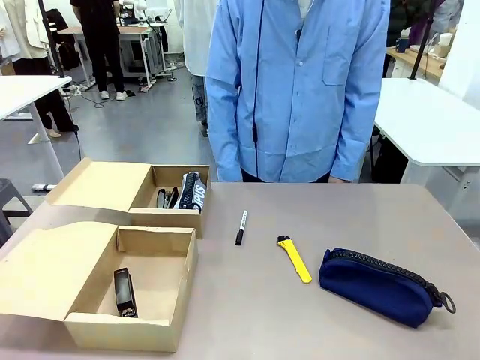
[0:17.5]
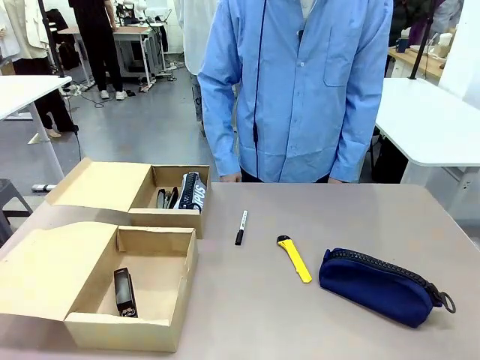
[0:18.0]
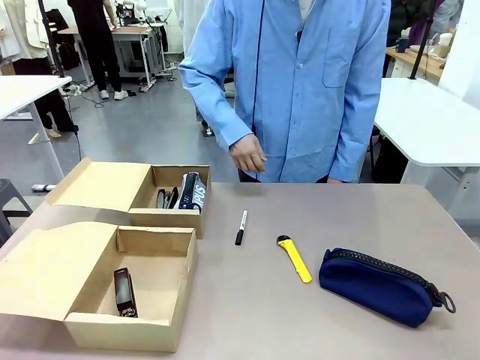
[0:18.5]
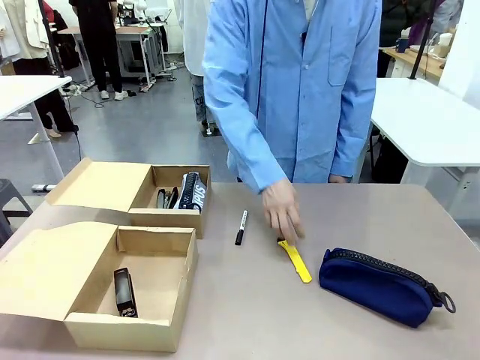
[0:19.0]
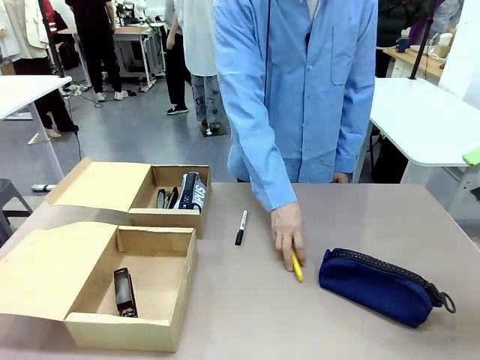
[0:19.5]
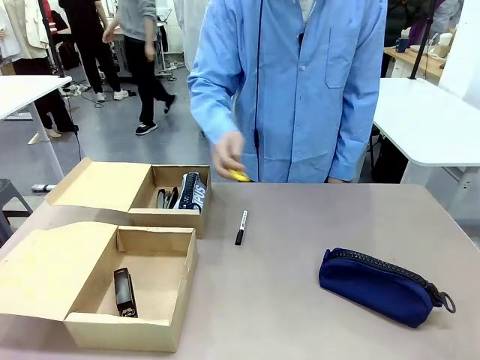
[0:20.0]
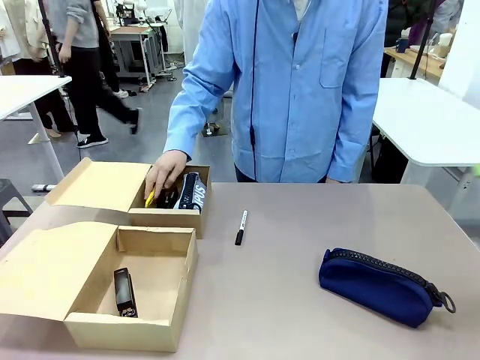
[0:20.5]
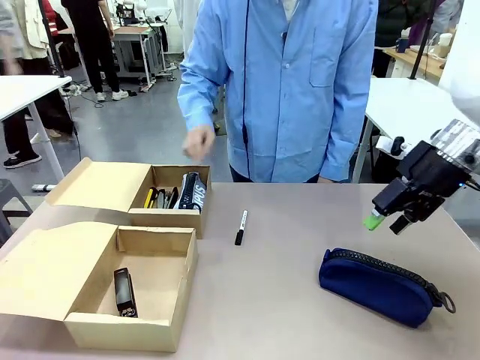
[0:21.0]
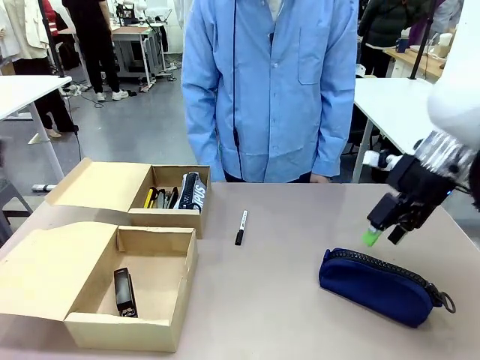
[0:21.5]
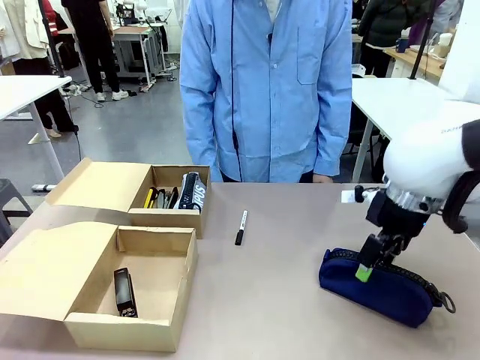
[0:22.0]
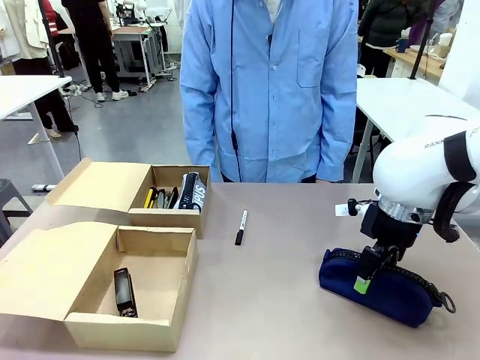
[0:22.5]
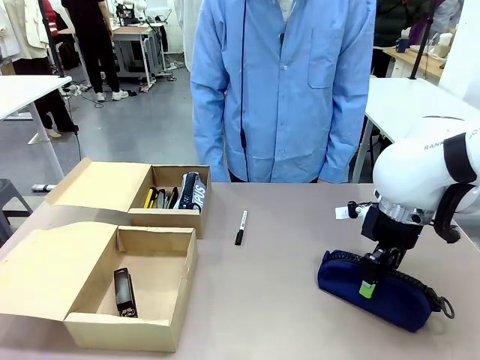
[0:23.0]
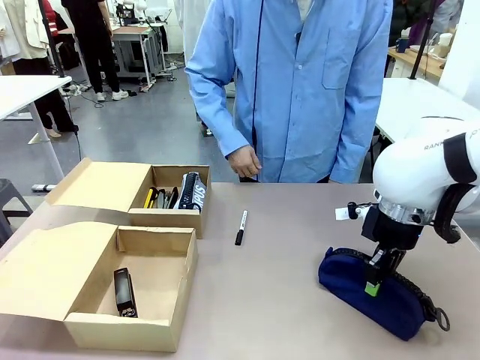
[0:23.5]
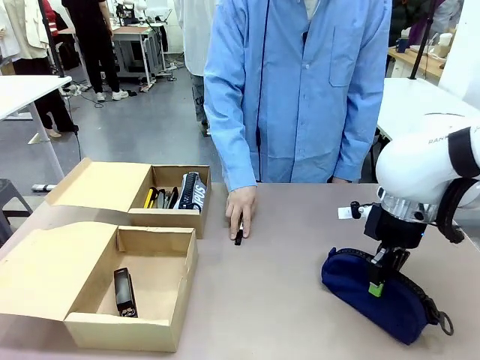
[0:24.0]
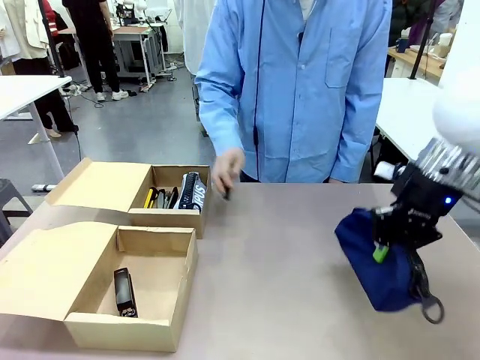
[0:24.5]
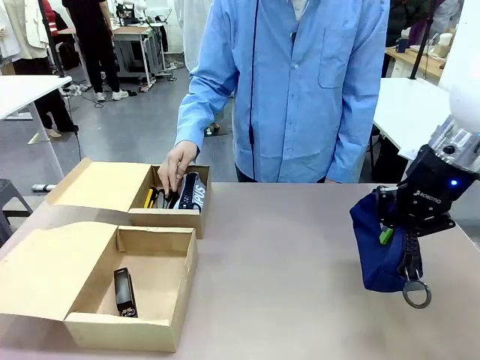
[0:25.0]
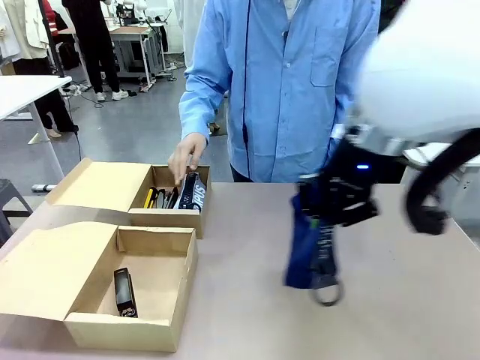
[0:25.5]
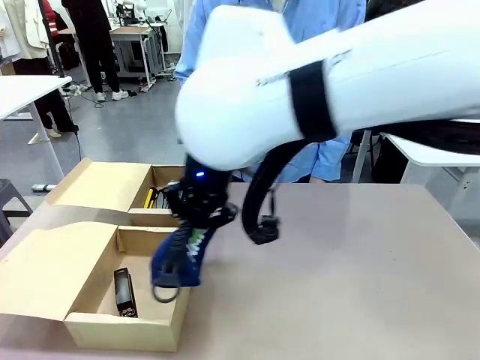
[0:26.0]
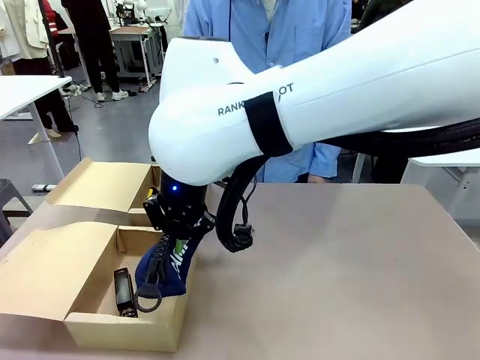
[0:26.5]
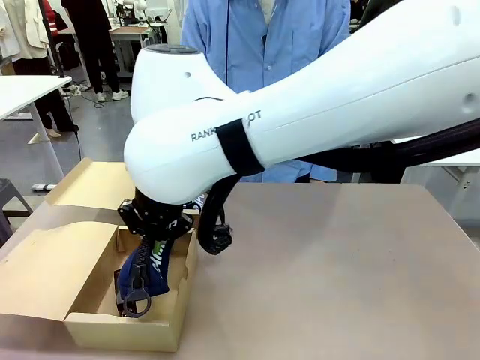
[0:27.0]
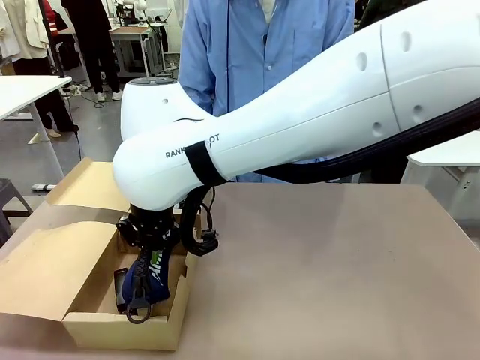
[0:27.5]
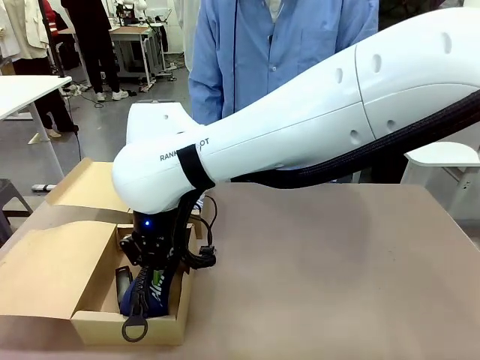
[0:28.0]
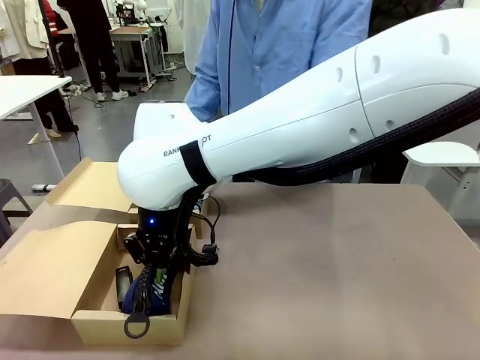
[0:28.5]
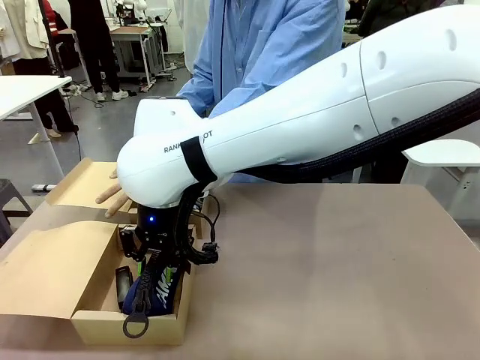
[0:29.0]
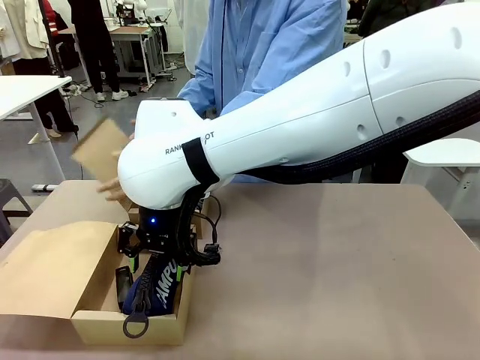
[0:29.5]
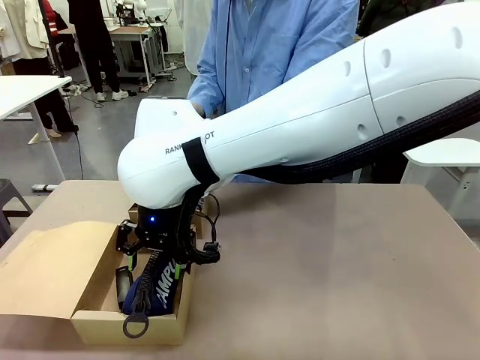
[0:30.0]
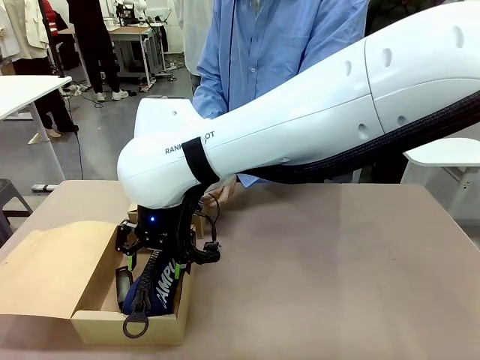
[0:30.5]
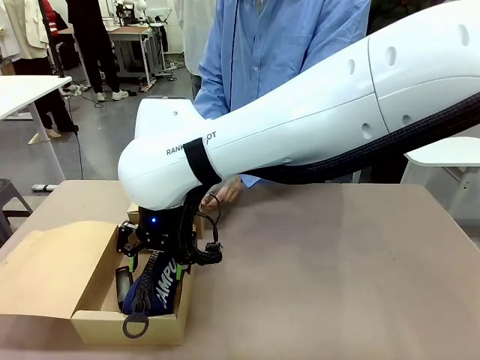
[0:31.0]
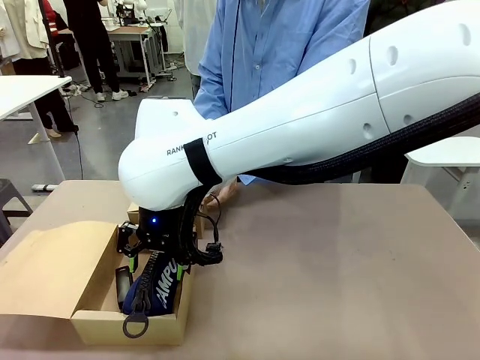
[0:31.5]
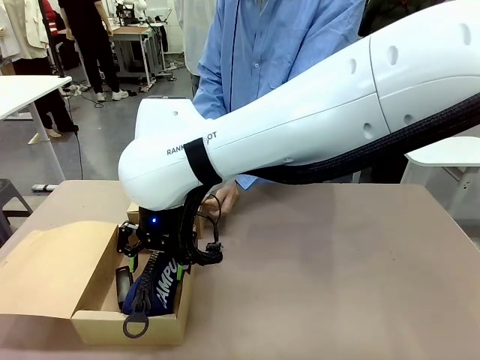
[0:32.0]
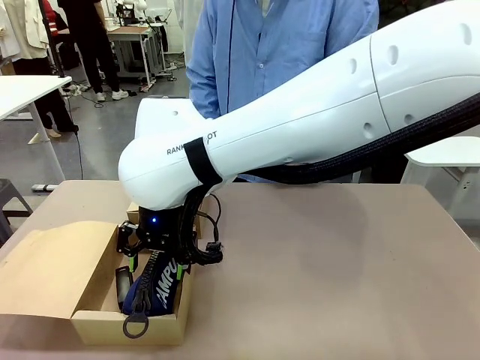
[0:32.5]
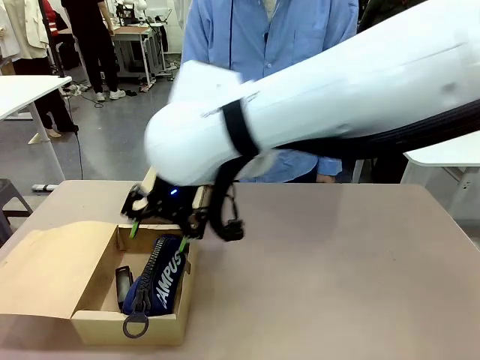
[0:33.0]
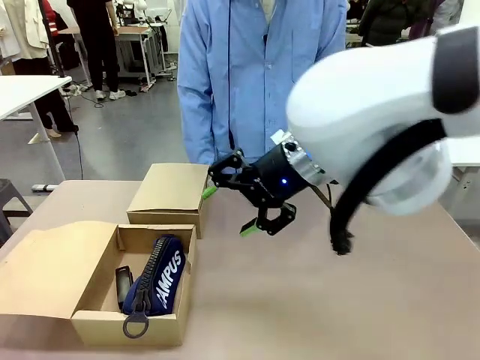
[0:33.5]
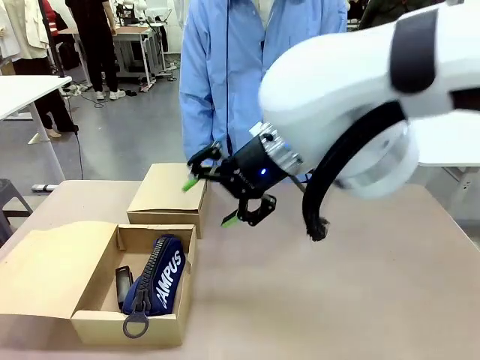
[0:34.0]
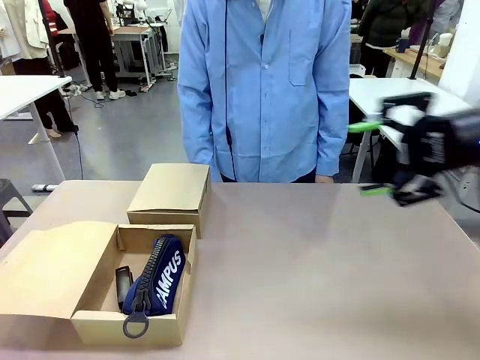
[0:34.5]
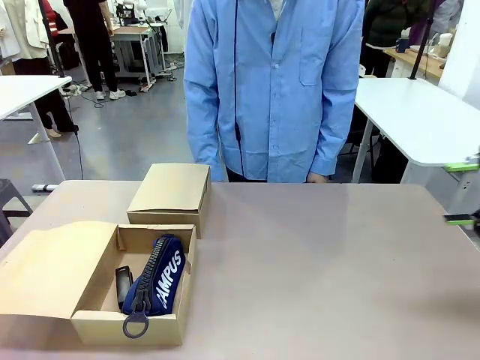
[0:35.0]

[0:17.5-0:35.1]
Task: Place items inside the box.
Robot: Pick up a Pencil pouch or Stapler and place it inside the Mailer Box closest to the robot.

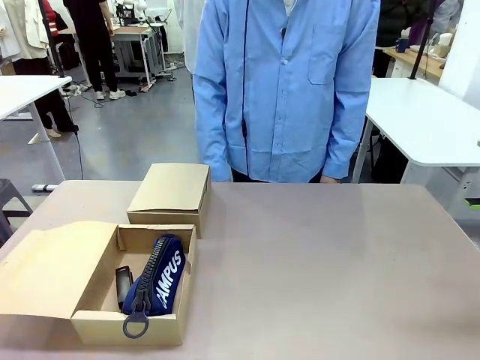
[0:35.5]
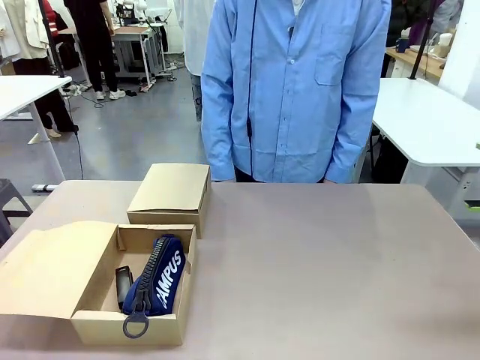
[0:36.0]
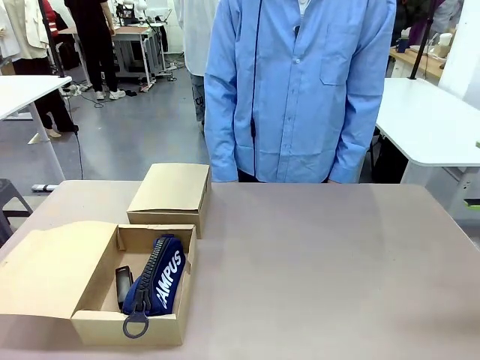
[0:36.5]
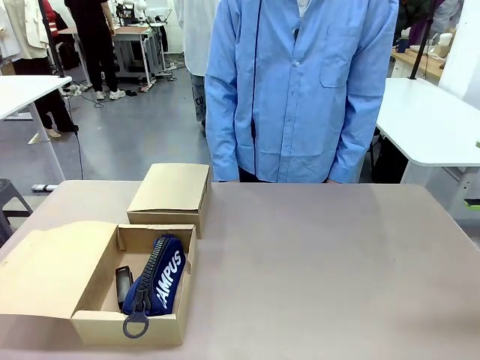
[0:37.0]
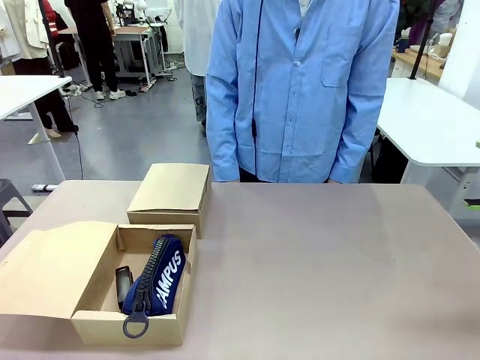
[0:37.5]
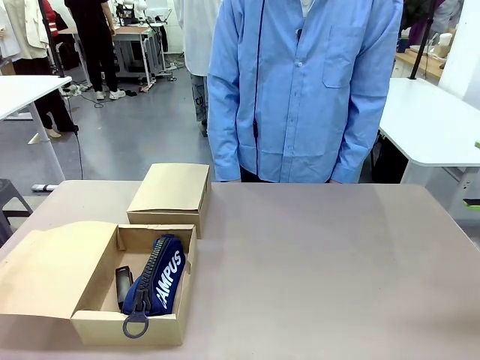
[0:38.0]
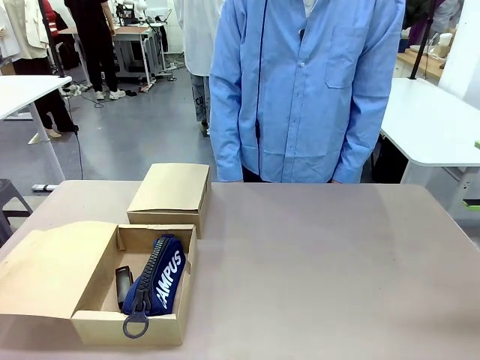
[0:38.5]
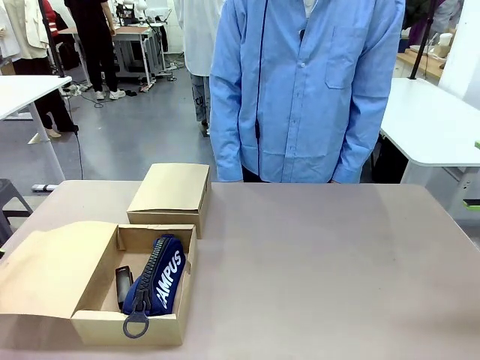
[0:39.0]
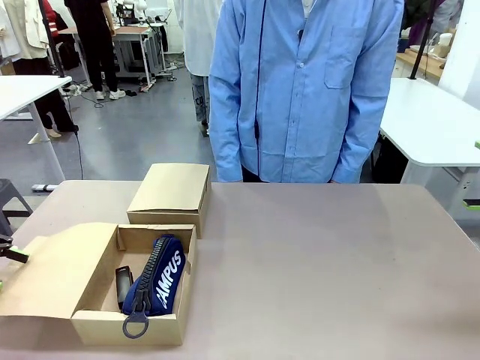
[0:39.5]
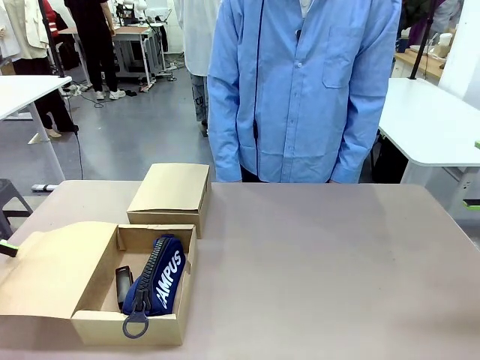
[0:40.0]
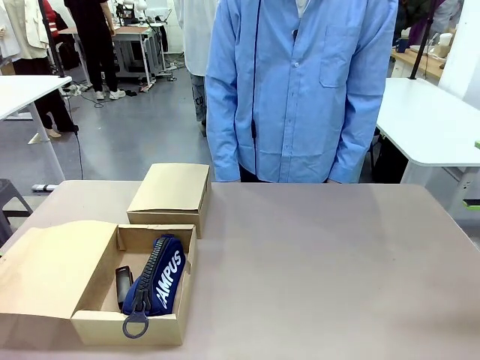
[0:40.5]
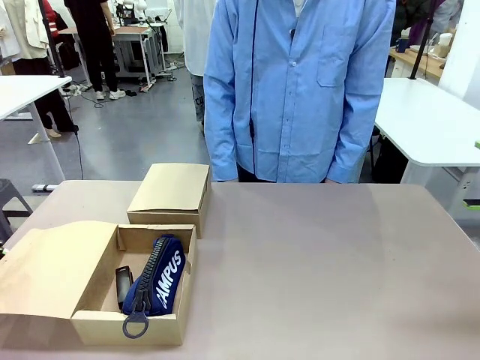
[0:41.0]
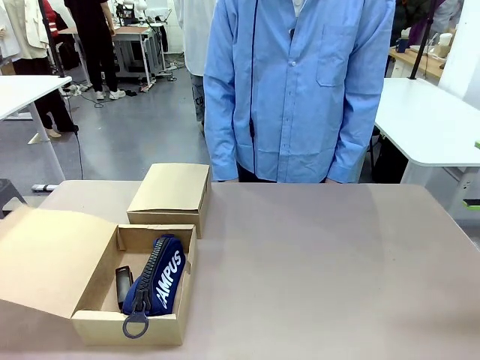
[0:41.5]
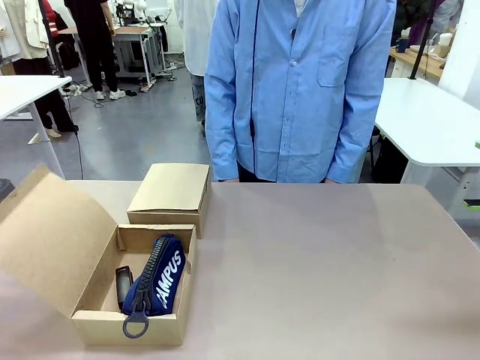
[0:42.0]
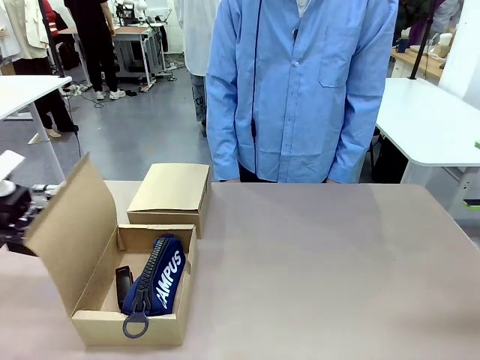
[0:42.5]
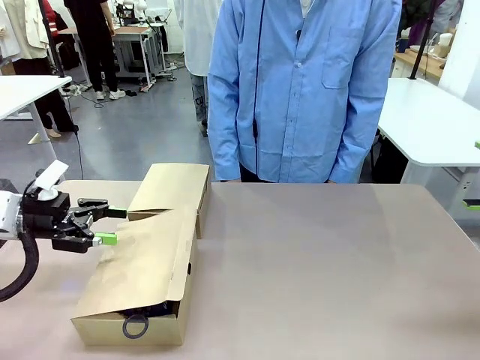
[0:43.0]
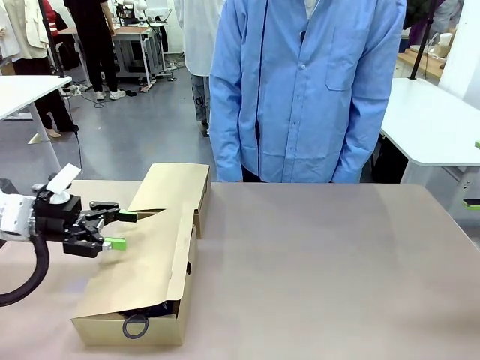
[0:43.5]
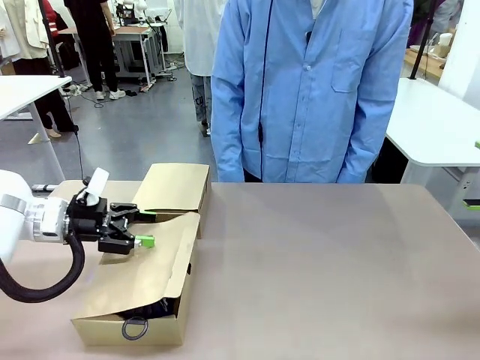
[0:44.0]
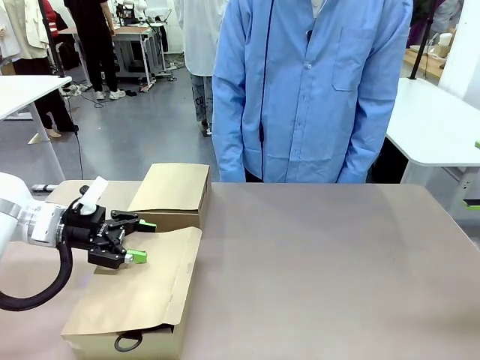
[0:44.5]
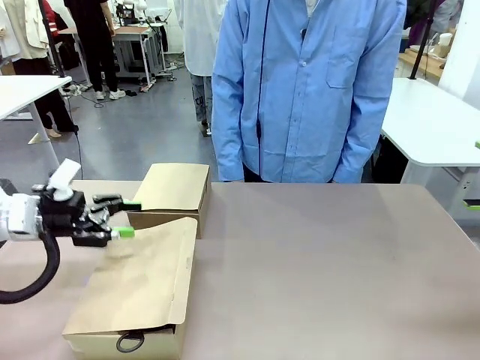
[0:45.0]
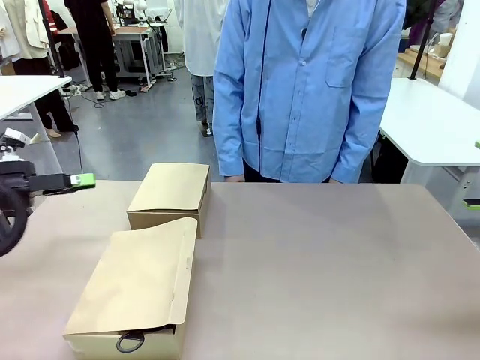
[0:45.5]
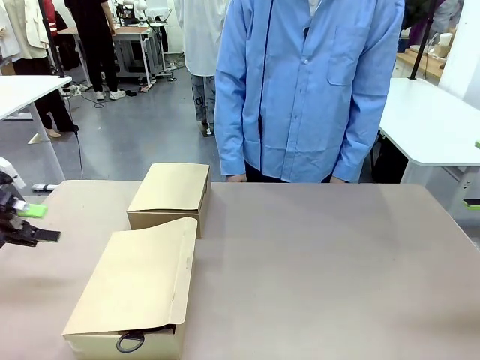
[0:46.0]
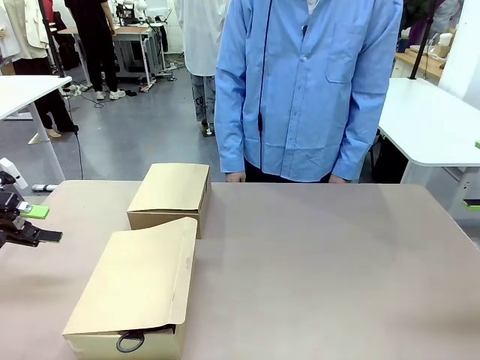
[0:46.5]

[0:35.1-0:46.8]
Robot: Close the lid of the Mailer Box closest to the robot.
Person: Close the lid of the box facing the person.
